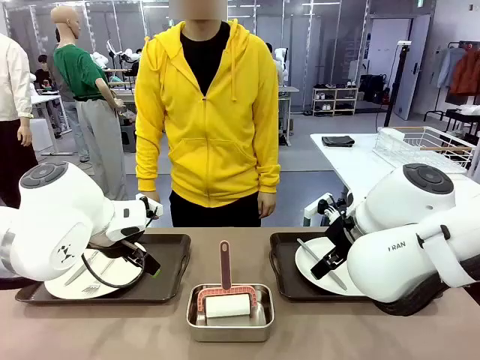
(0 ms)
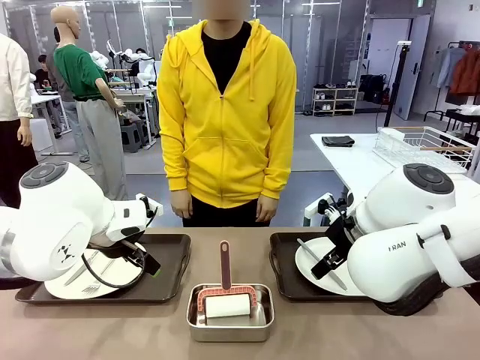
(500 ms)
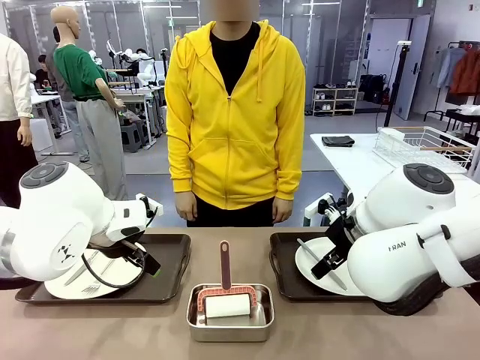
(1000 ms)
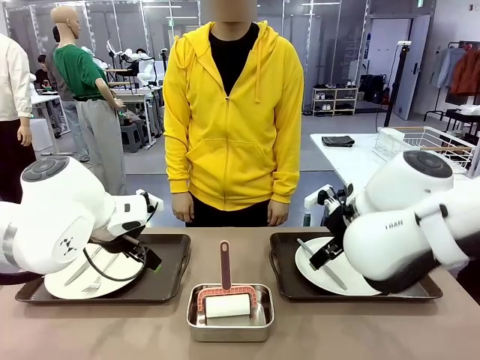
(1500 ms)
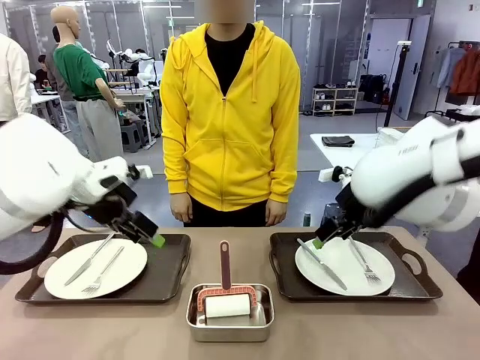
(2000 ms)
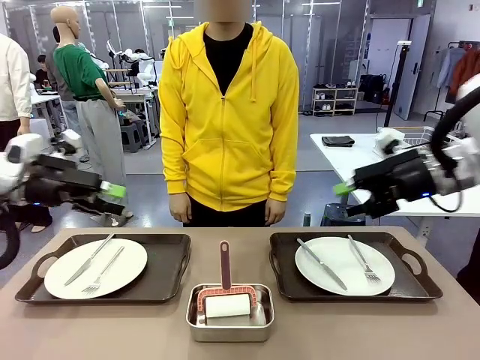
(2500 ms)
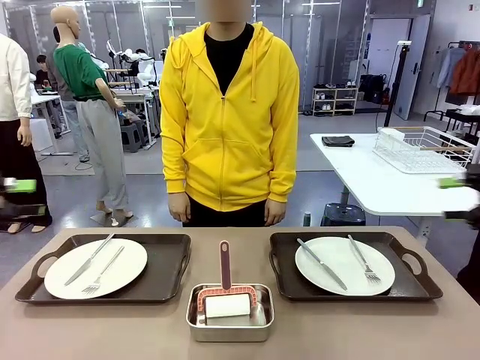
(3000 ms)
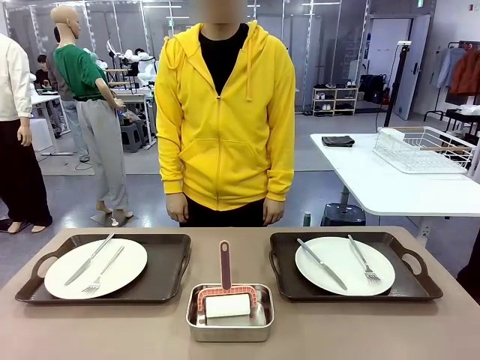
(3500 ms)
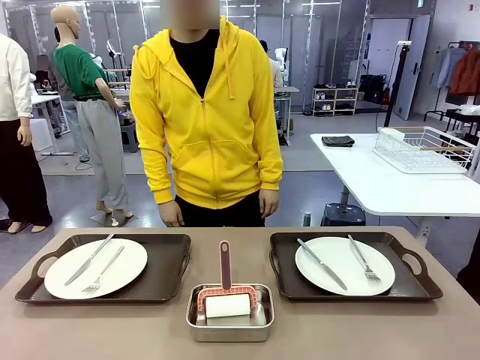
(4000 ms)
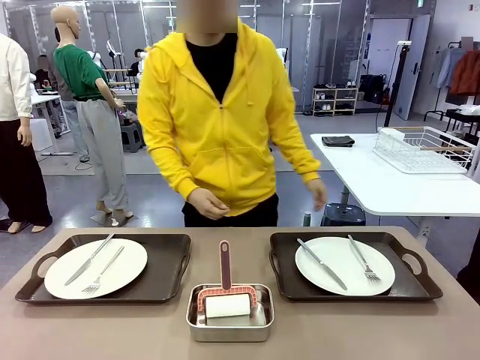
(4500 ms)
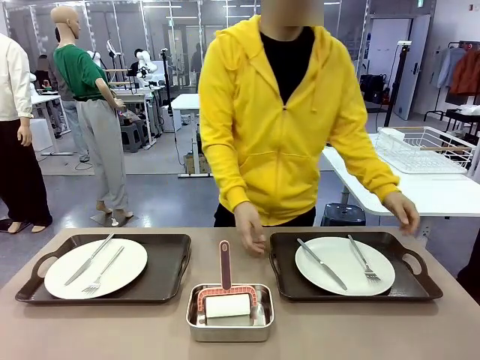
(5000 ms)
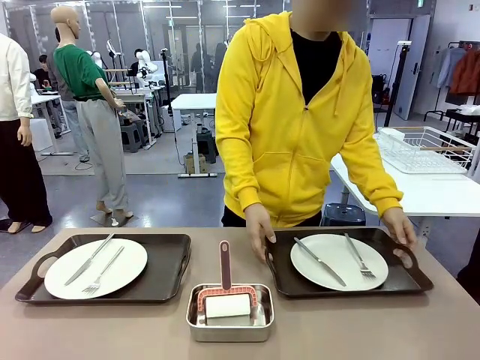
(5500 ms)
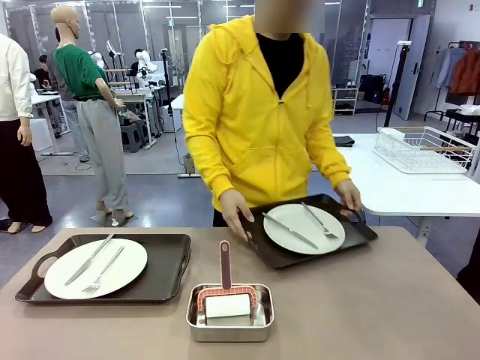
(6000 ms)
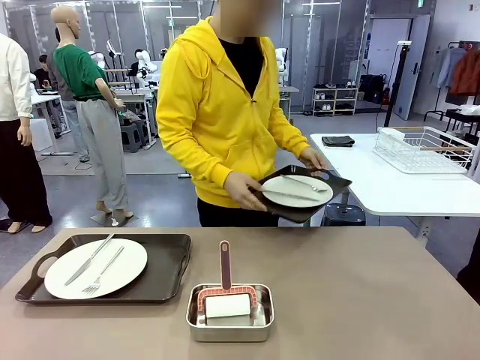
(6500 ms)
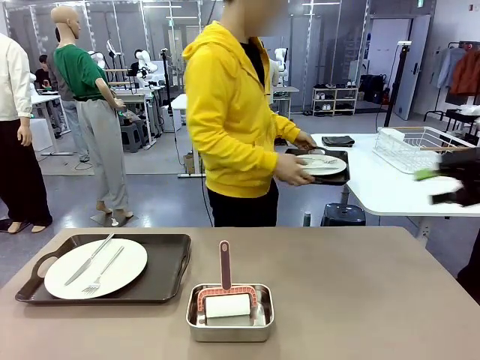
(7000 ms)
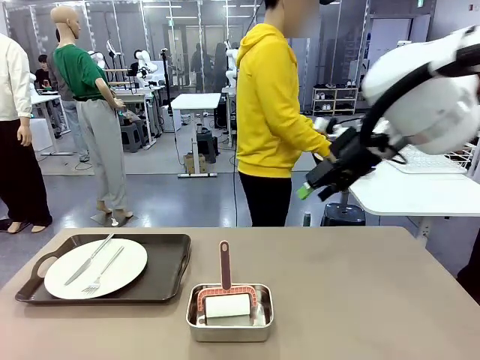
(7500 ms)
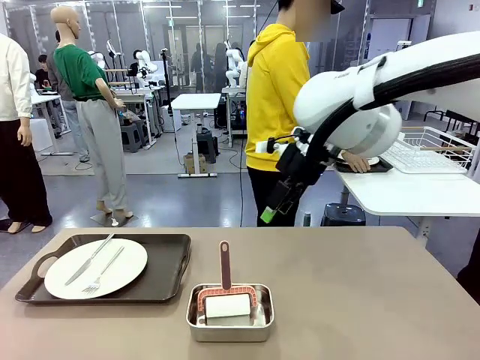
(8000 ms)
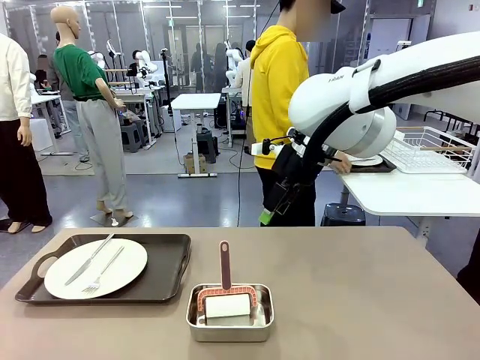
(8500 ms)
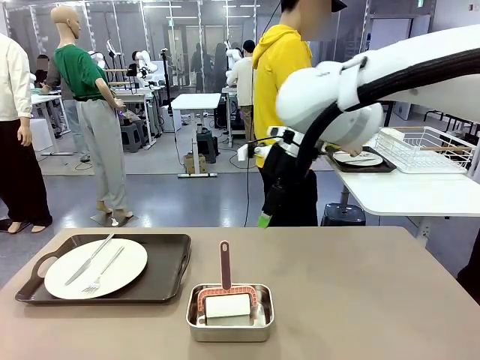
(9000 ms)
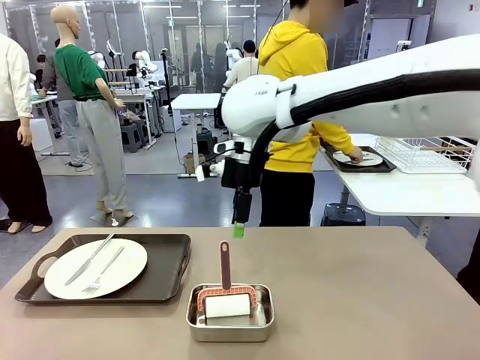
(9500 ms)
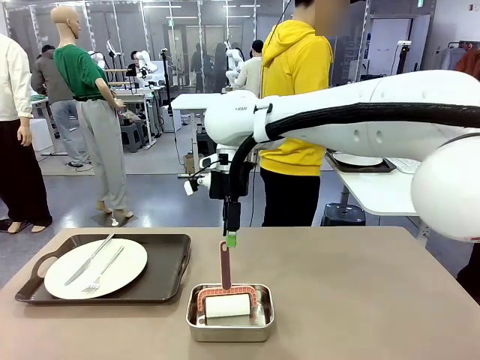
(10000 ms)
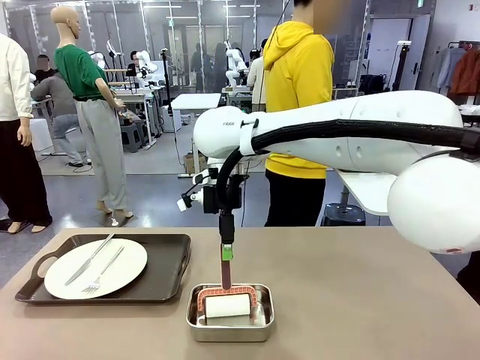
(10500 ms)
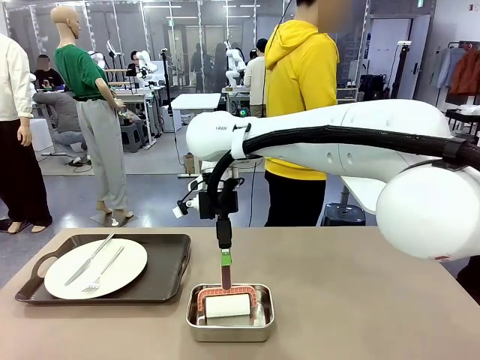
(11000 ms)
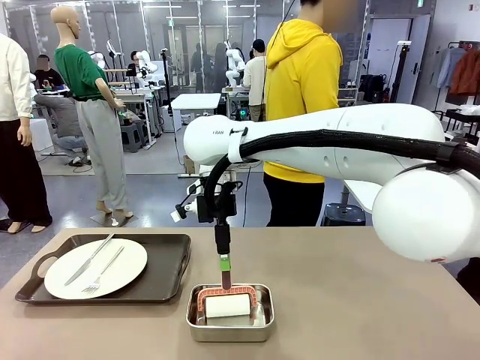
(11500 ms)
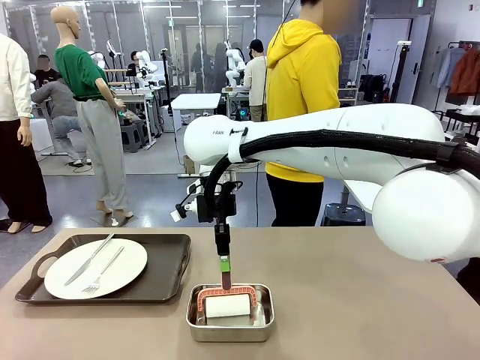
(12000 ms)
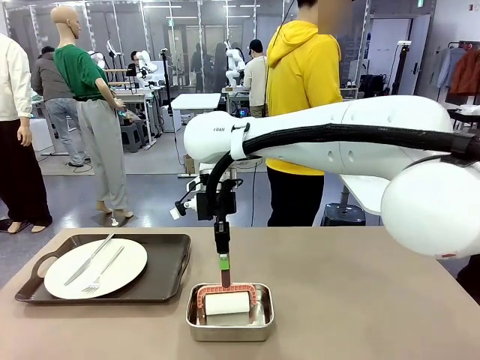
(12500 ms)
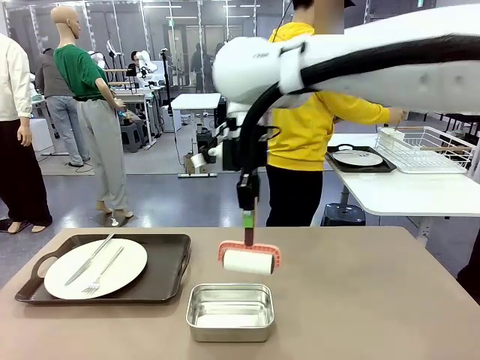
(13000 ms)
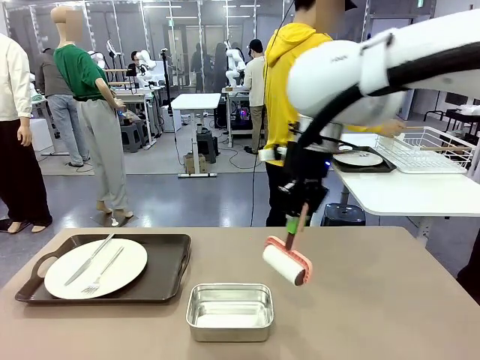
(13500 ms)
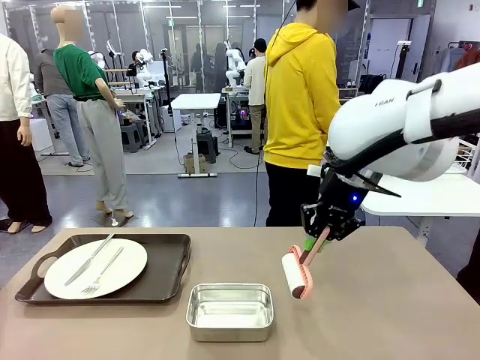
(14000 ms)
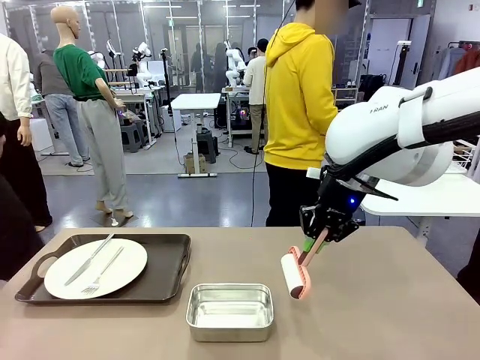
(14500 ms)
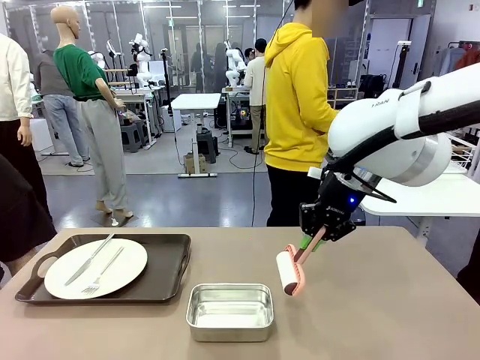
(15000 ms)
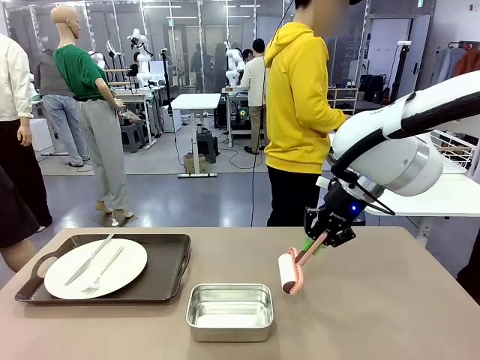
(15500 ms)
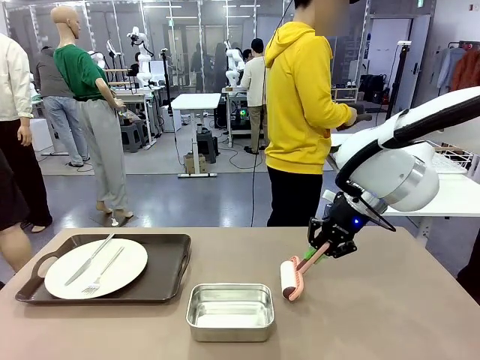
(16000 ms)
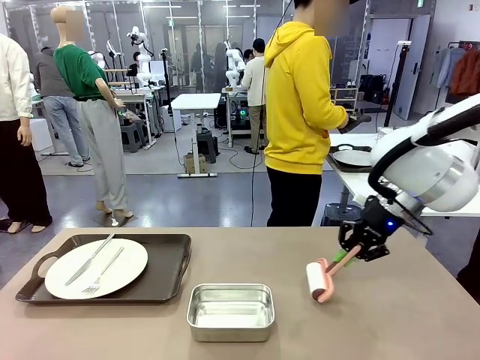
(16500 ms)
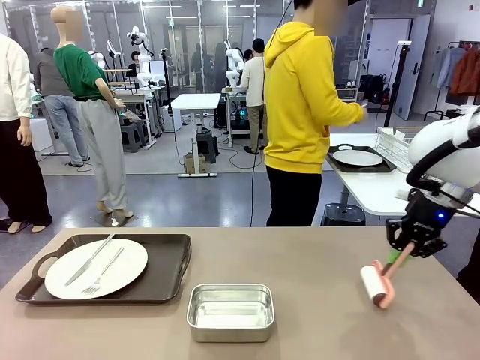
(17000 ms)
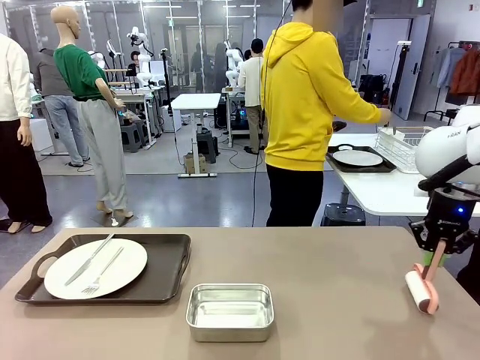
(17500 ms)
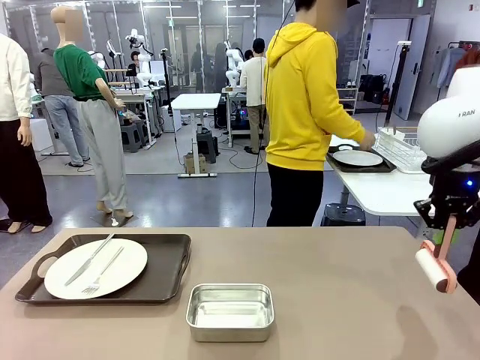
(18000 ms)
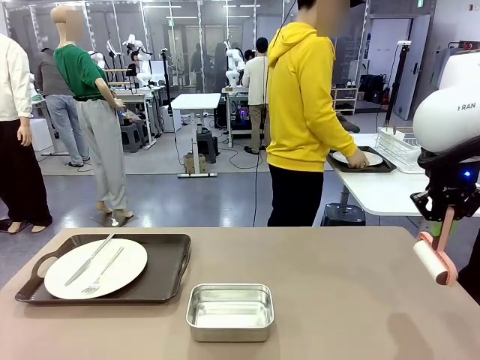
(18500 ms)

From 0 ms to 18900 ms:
Robot: When the left (or right) Handle tray is removed, use the left hand (or right hand) to clean the left (or right) side of the table with the Lint Roller.
Person: Pick up the left (or right) Handle tray and place it on the middle of the Human's table. Use the Towel with hook to wipe the Plastic Matte Plate , Fork , and Knife and place into the Dish drying rack.

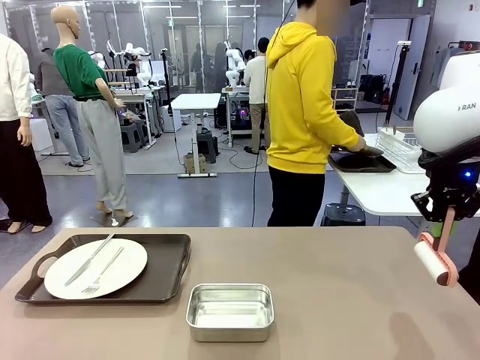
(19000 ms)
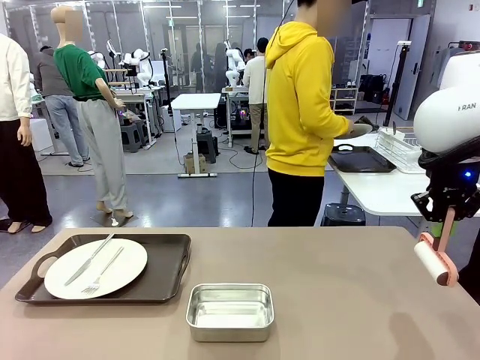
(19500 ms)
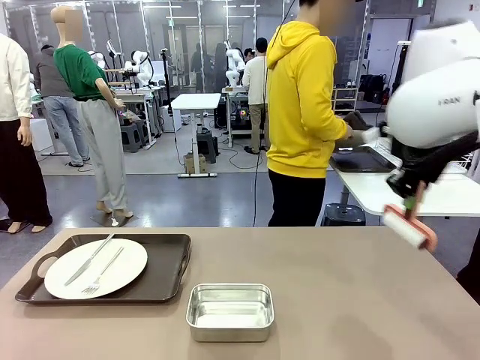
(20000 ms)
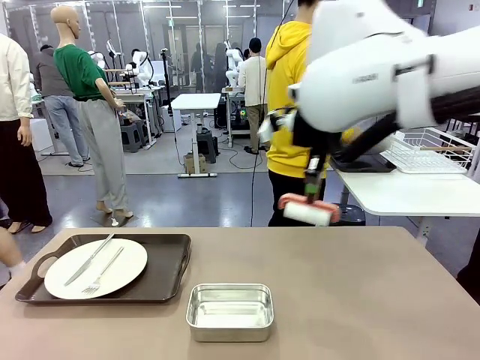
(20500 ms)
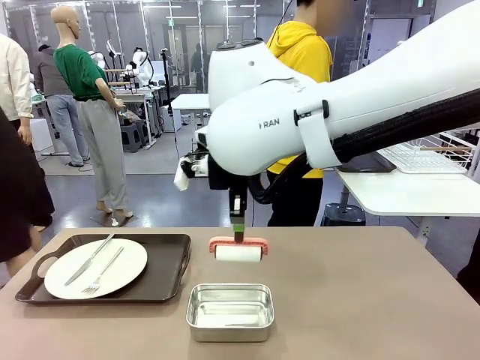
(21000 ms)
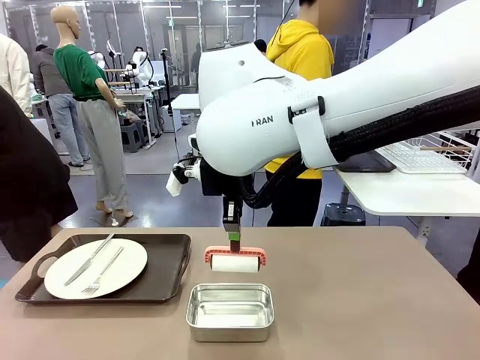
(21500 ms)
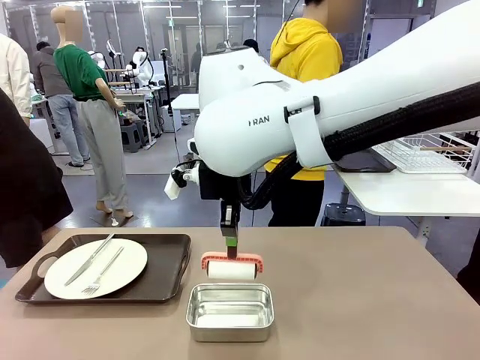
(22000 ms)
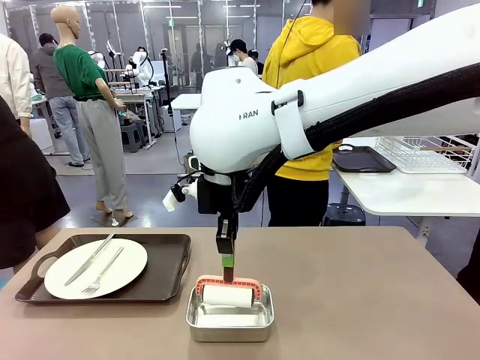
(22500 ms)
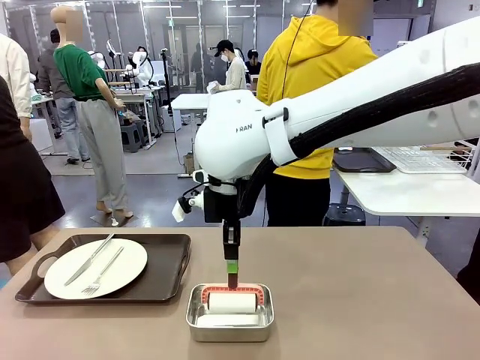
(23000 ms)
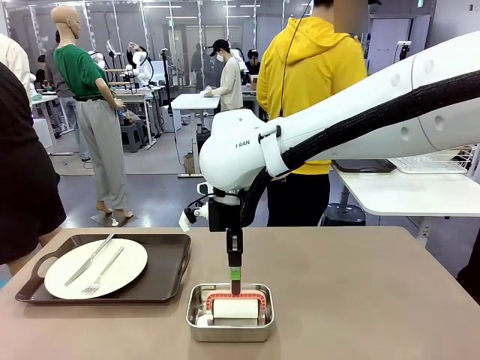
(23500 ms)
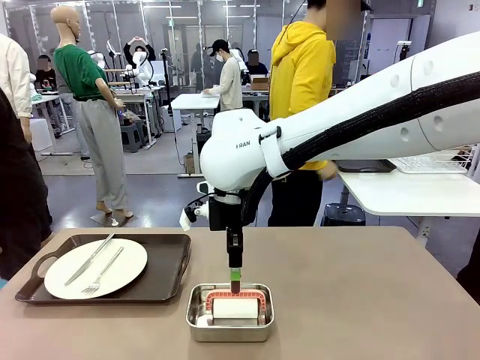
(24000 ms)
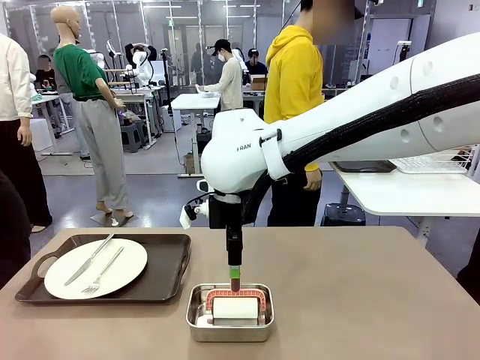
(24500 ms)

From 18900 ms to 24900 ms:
Robot: Place the Lint Roller back on top of the Airtight Container.
